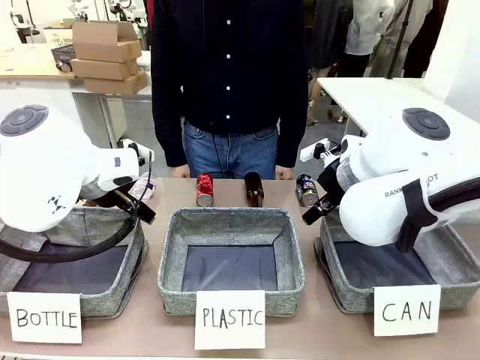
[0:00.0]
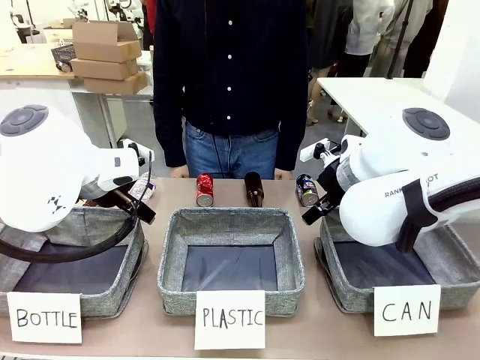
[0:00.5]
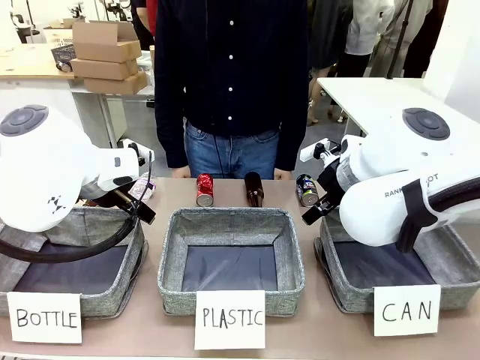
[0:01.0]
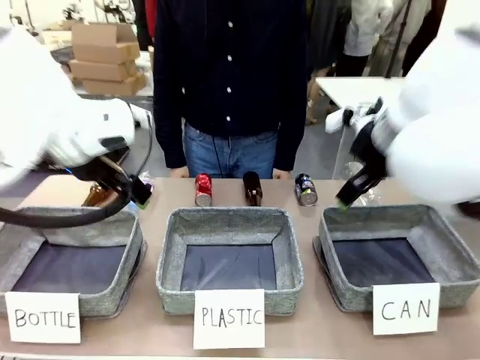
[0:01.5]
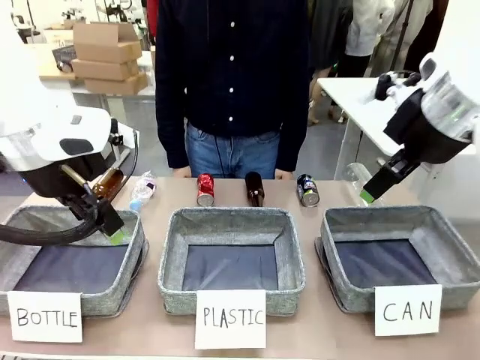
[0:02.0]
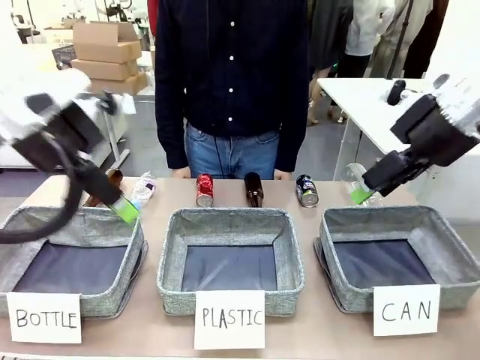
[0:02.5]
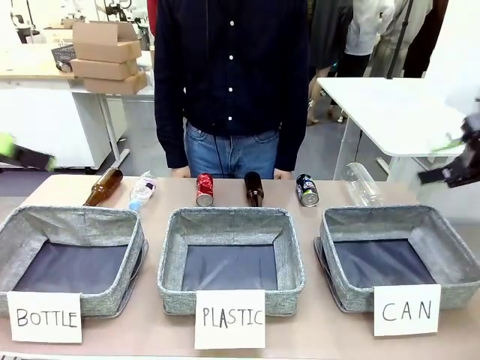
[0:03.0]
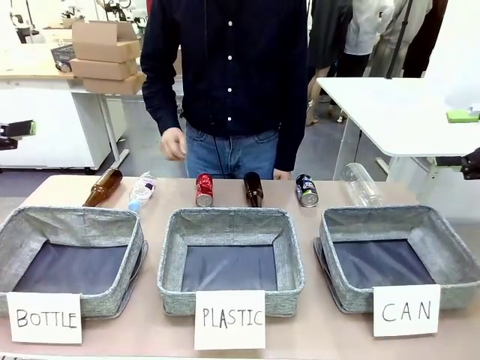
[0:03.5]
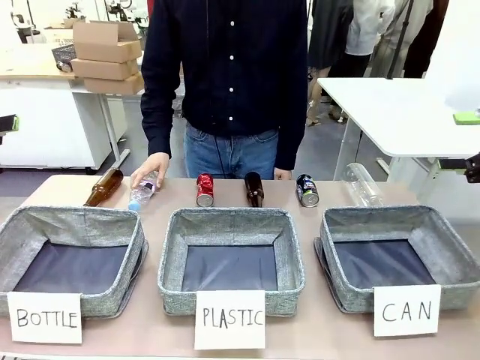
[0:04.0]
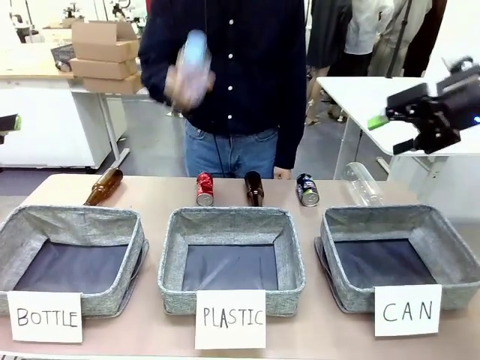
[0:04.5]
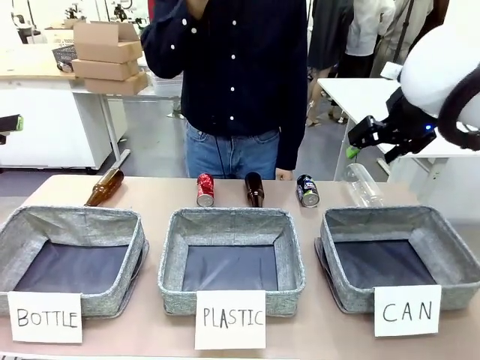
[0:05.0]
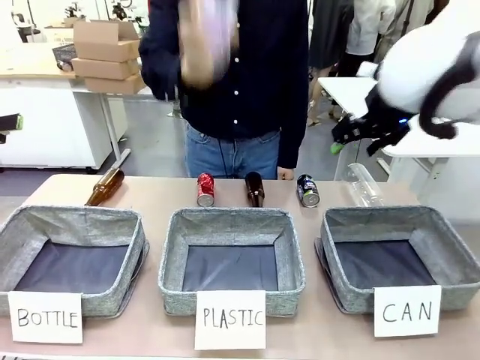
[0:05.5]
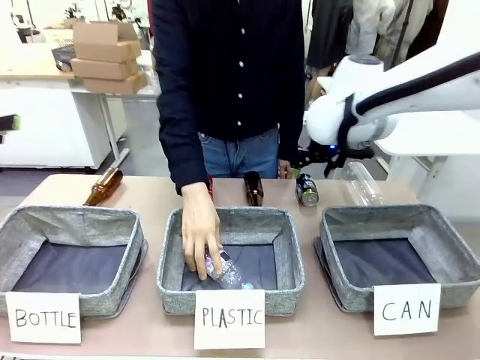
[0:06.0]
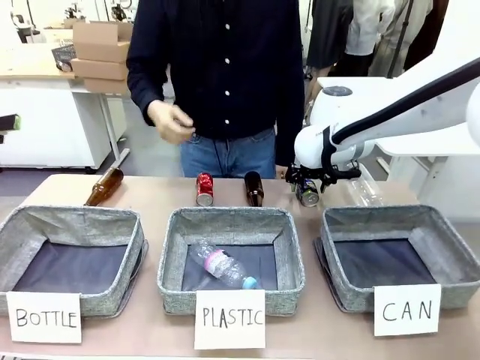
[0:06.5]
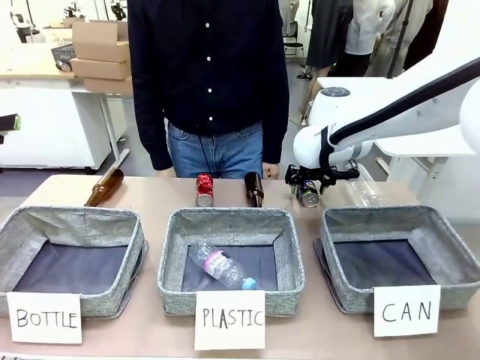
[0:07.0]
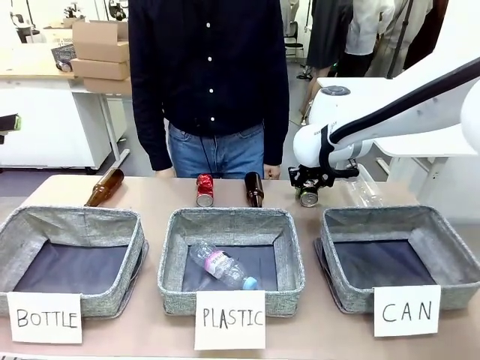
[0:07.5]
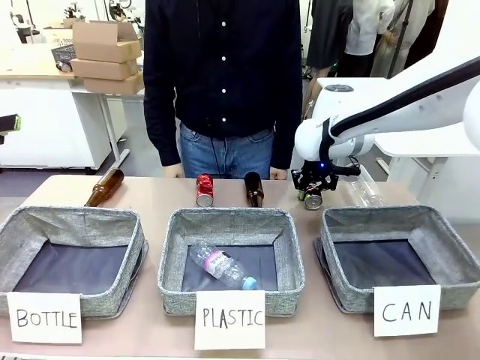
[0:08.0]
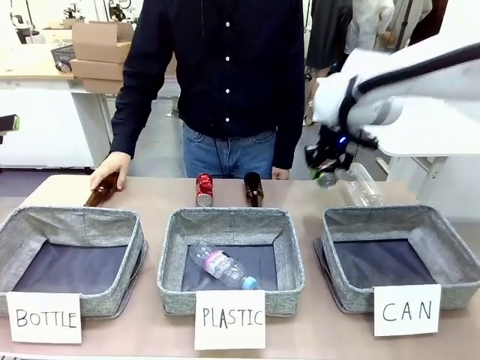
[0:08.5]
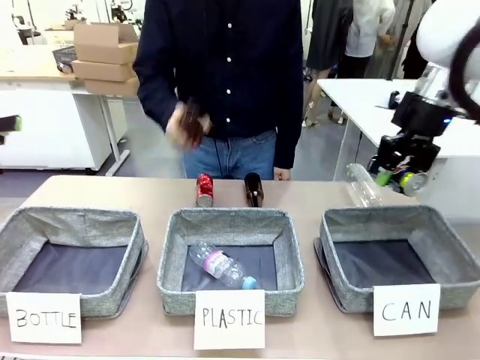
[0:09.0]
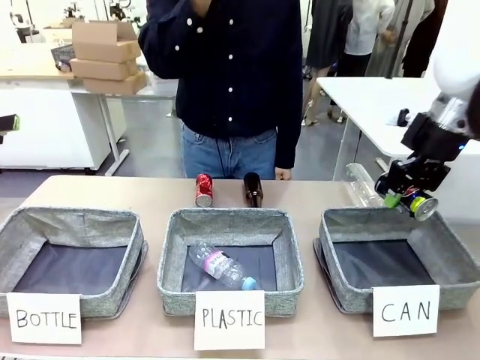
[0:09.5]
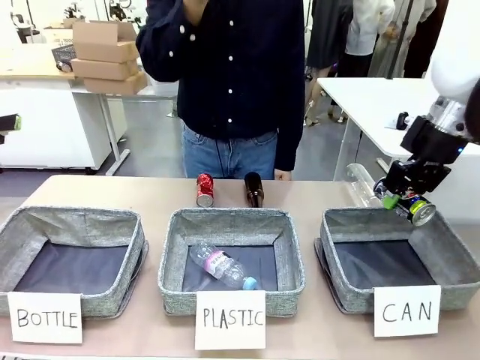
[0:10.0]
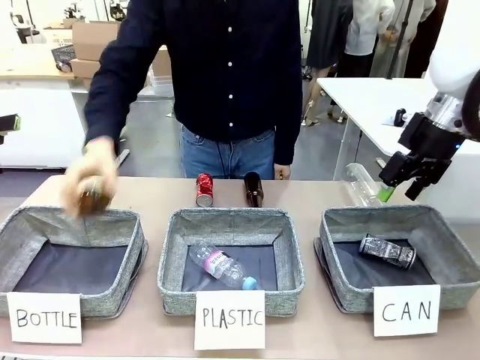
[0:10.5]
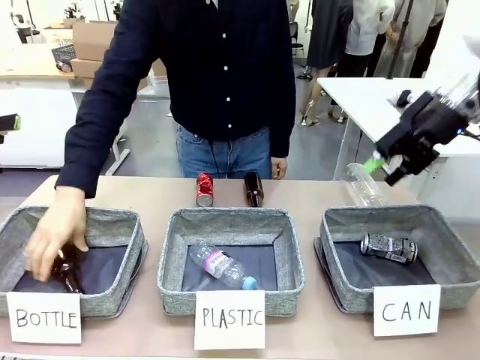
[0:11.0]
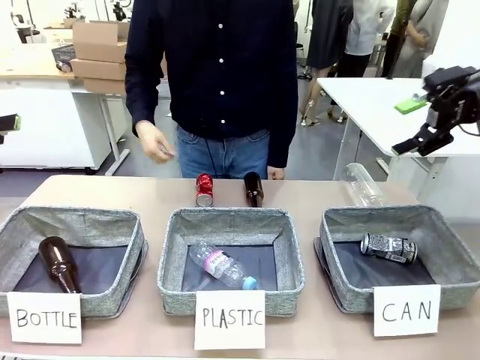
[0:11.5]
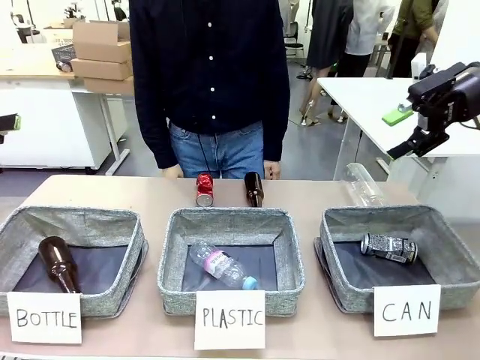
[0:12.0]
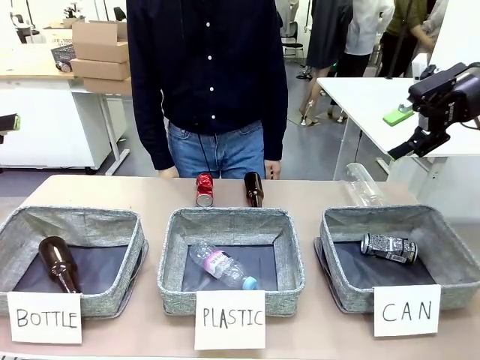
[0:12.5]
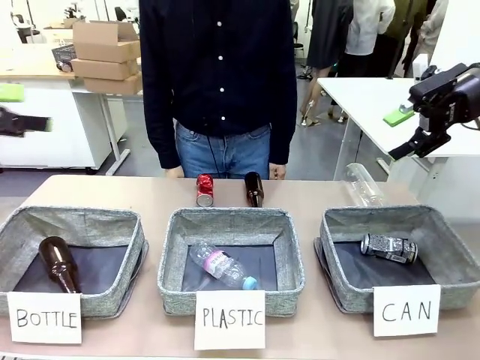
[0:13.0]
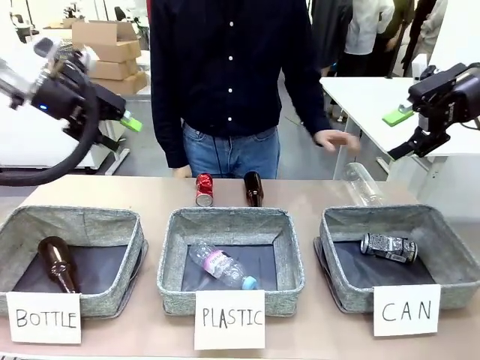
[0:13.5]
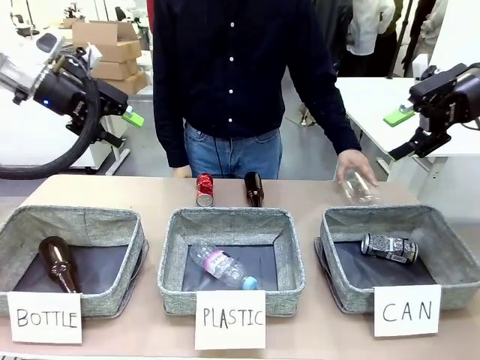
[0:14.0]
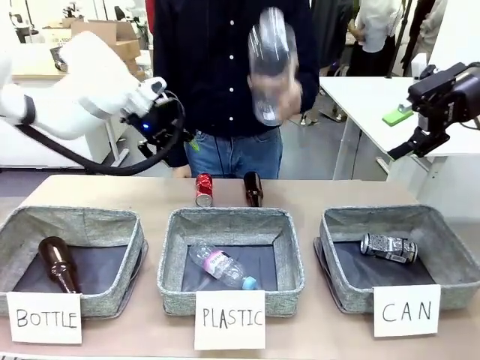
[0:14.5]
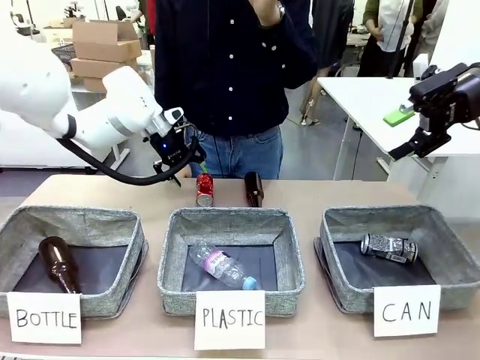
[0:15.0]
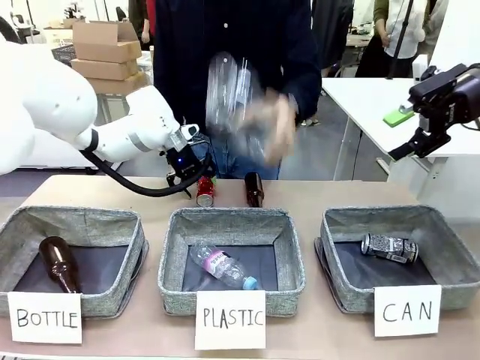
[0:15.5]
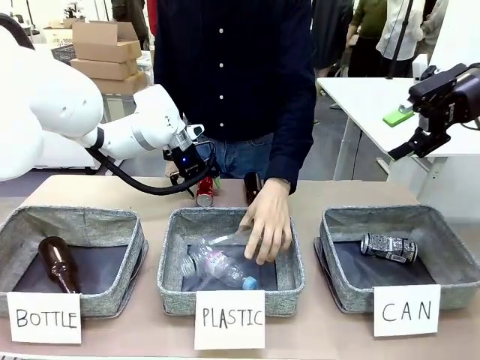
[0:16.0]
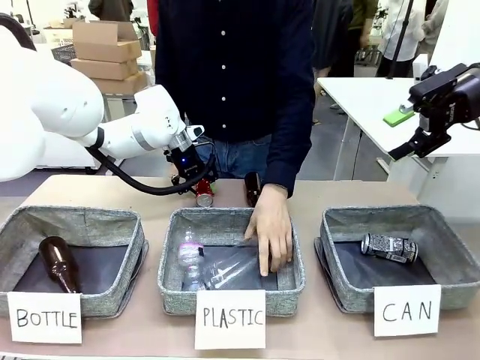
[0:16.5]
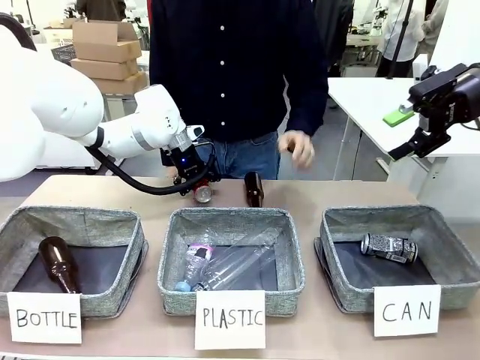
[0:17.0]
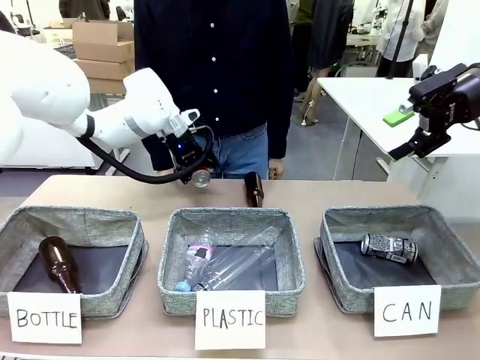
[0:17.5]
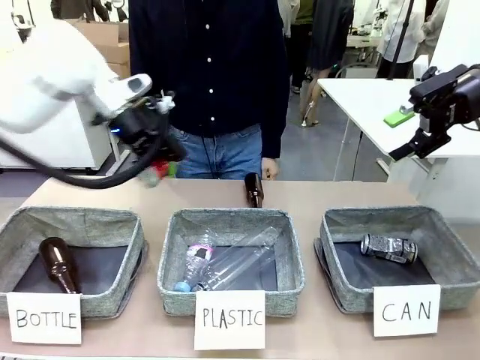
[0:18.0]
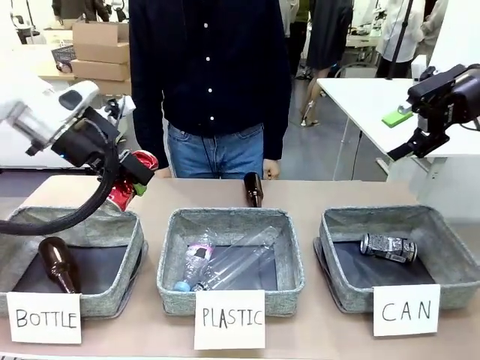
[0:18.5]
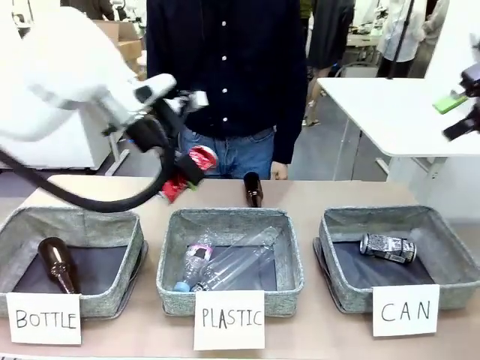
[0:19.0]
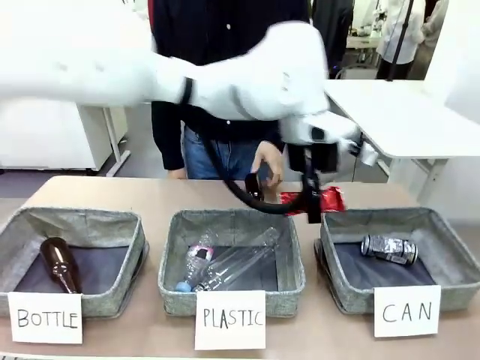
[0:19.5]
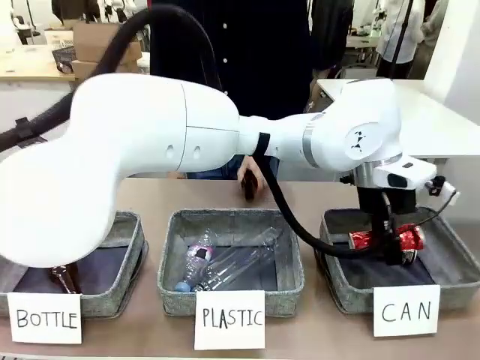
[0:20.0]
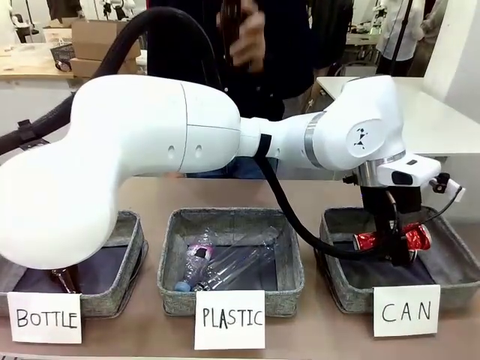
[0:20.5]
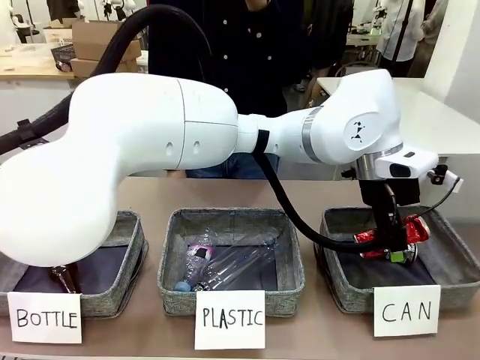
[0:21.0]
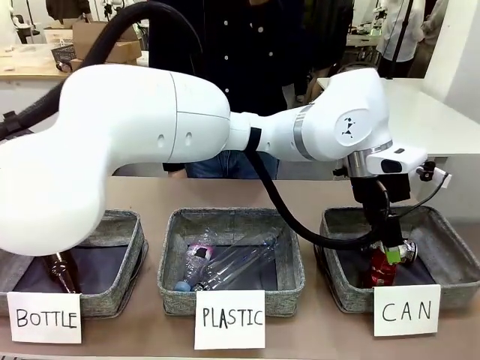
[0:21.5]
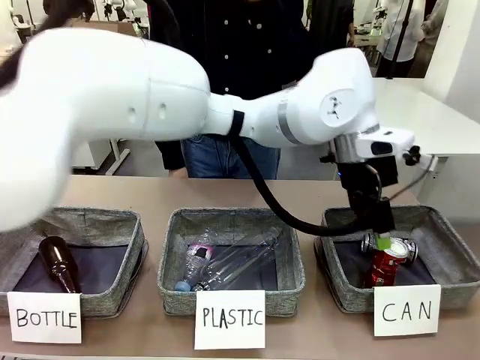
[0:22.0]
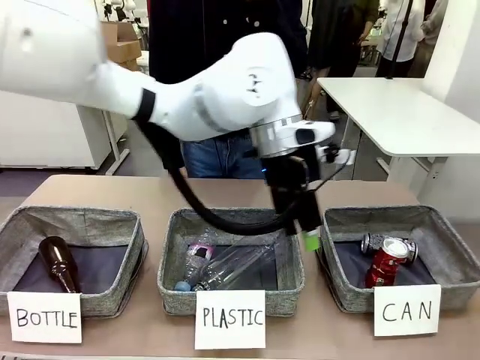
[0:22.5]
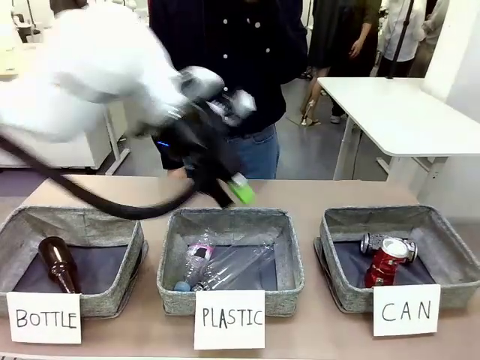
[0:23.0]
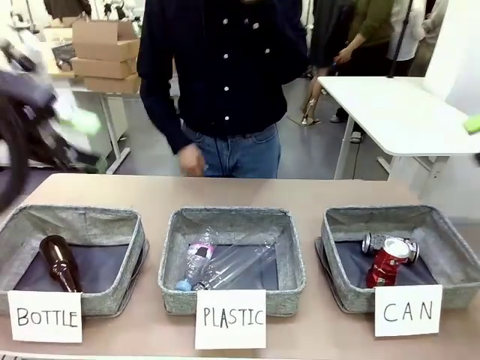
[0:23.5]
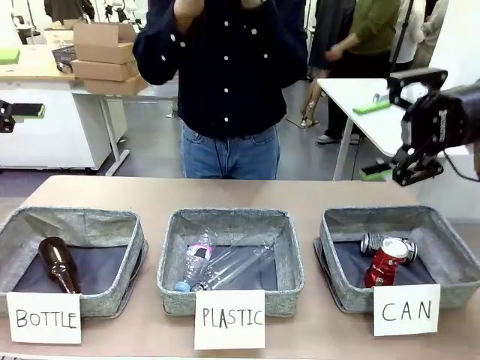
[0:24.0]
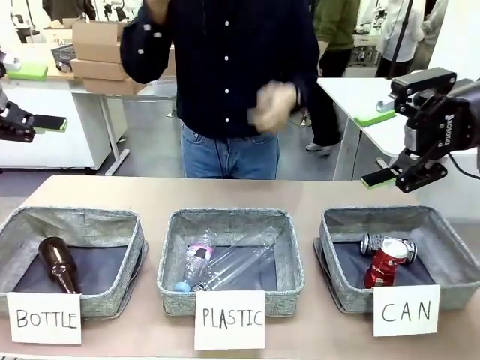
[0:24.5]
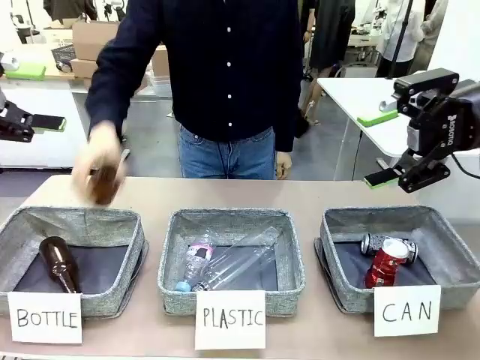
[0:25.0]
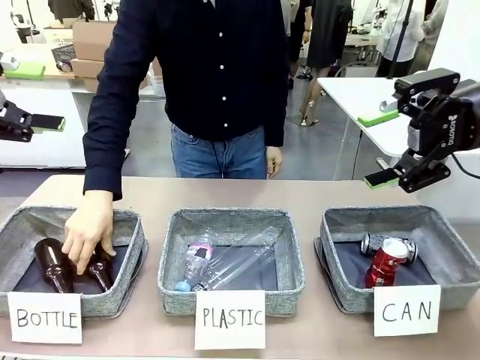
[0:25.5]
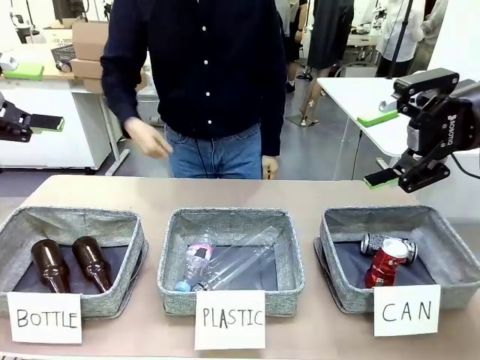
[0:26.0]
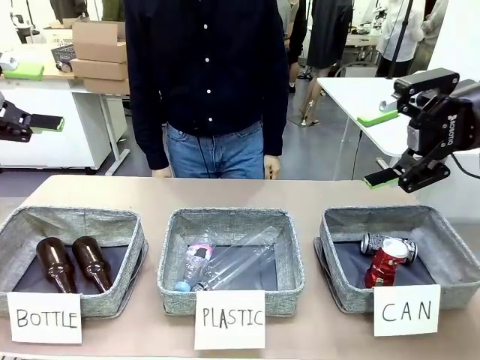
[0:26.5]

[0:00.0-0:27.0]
Task: Sort the can waste into the basket.
Robot: Pick up the can waste from the table and place it in the right Fabric basket.
Person: The human picks up one piece of trash that is not a can and places the trash into the appropriate organizing basket.
